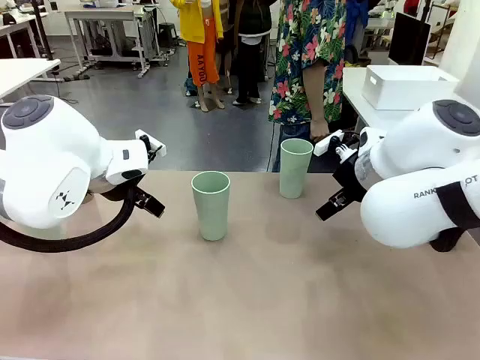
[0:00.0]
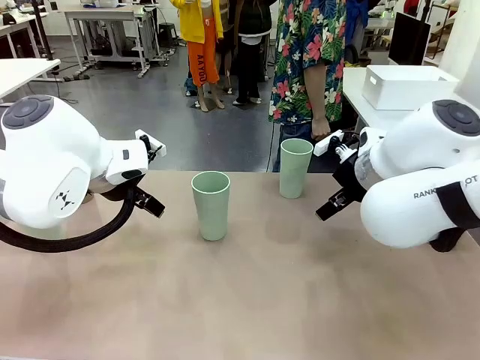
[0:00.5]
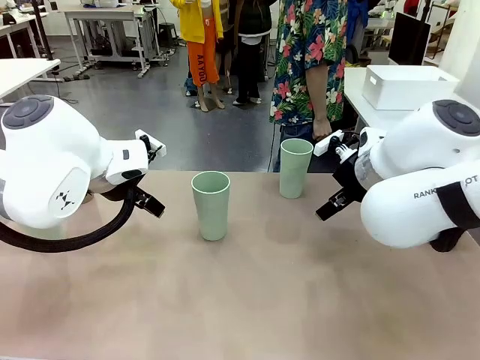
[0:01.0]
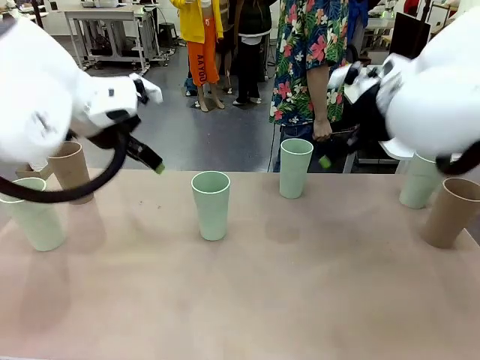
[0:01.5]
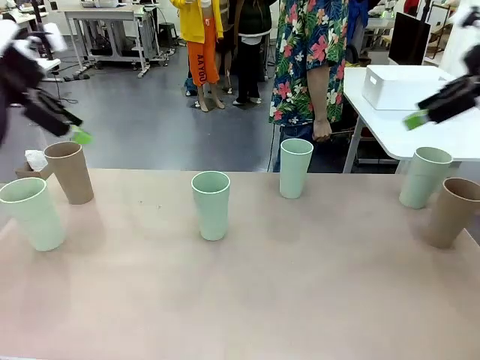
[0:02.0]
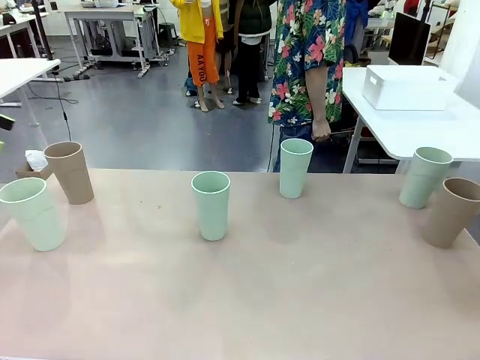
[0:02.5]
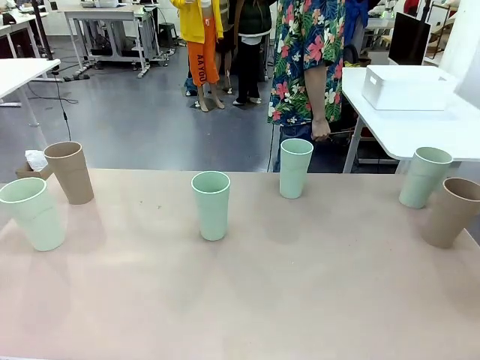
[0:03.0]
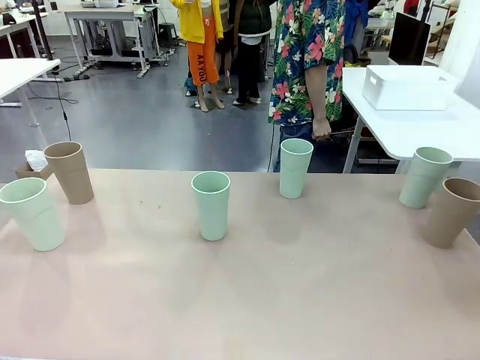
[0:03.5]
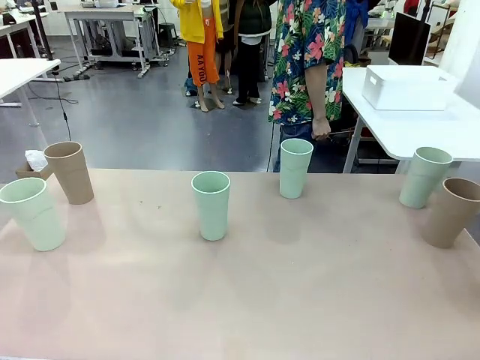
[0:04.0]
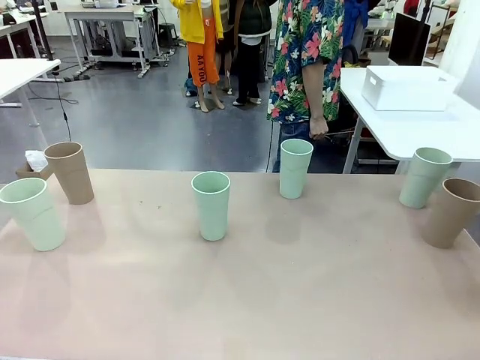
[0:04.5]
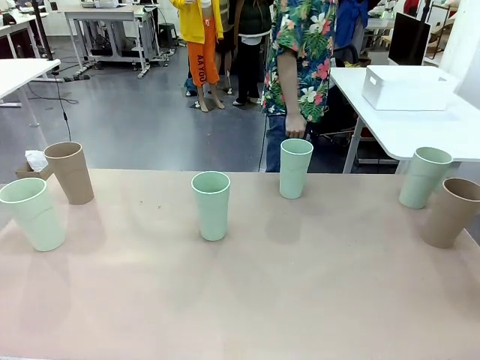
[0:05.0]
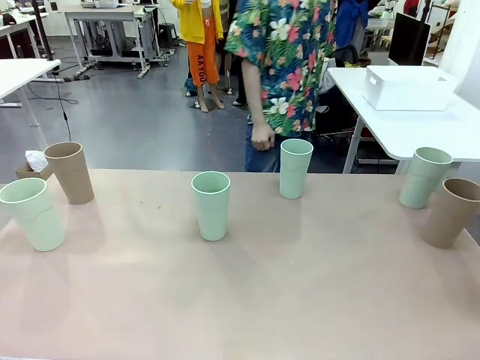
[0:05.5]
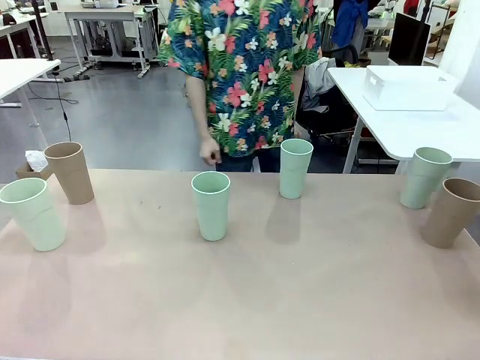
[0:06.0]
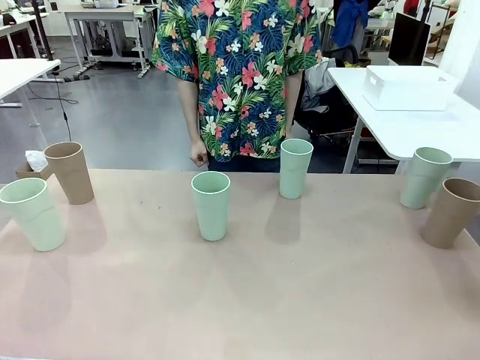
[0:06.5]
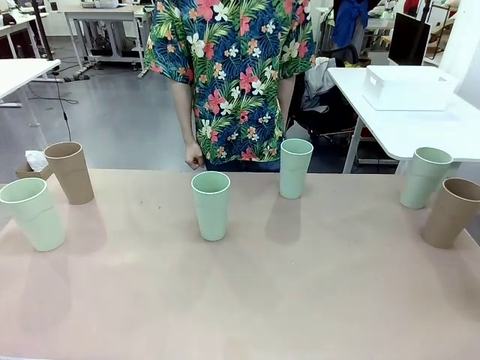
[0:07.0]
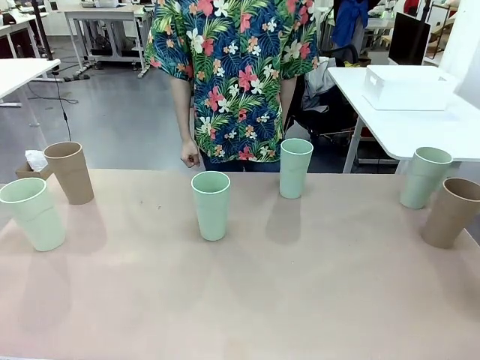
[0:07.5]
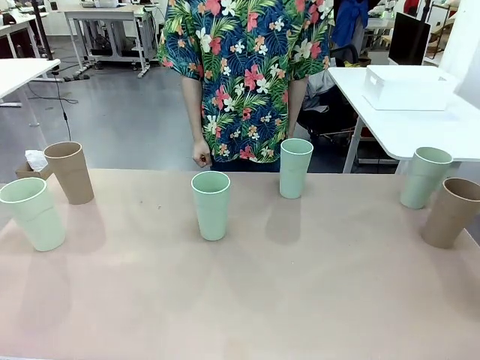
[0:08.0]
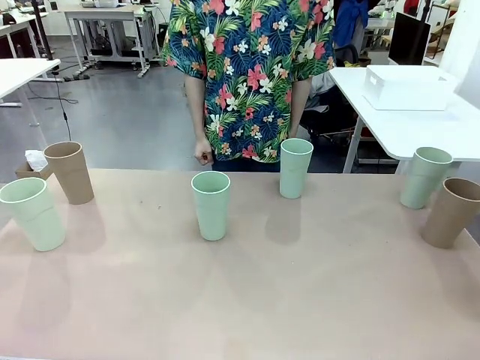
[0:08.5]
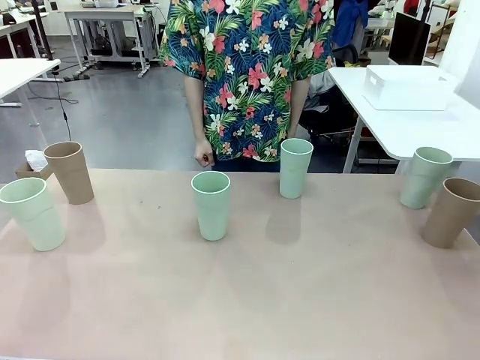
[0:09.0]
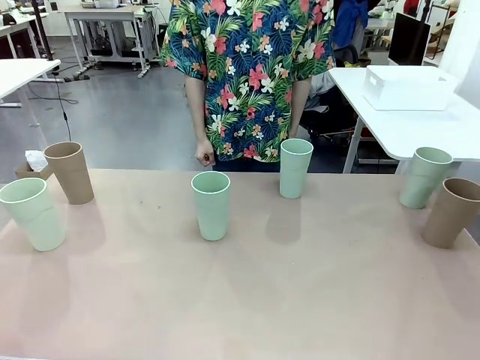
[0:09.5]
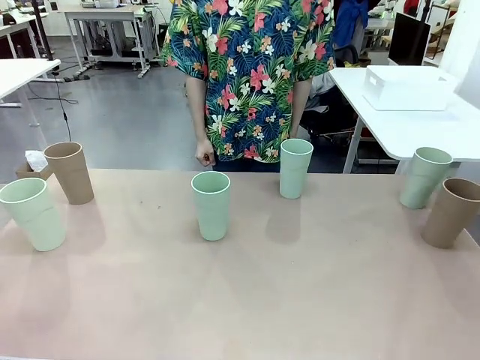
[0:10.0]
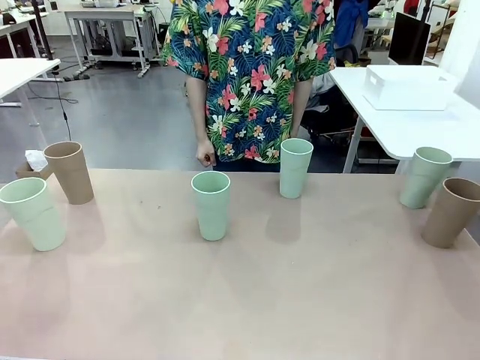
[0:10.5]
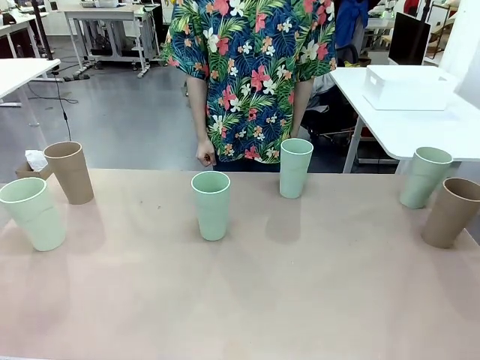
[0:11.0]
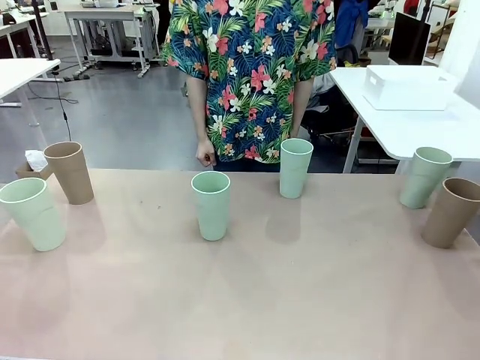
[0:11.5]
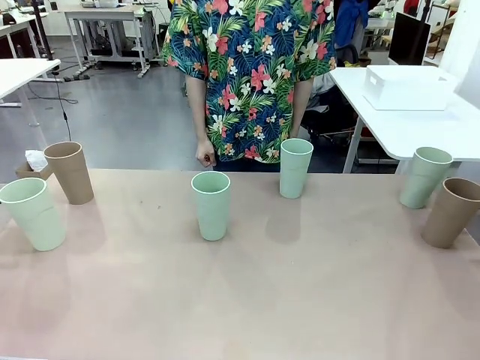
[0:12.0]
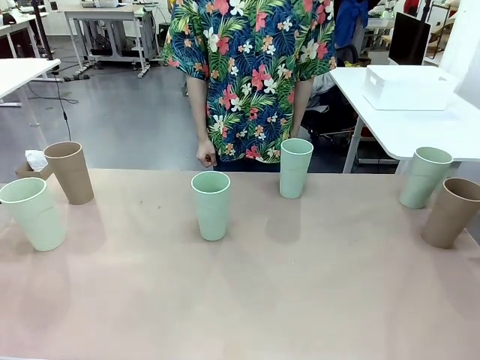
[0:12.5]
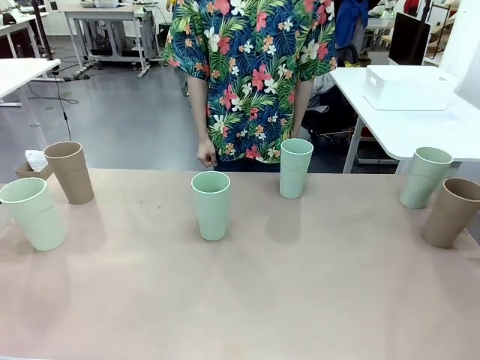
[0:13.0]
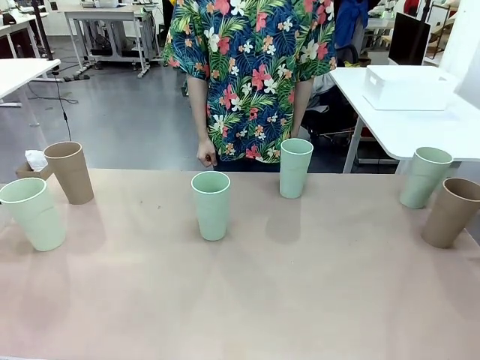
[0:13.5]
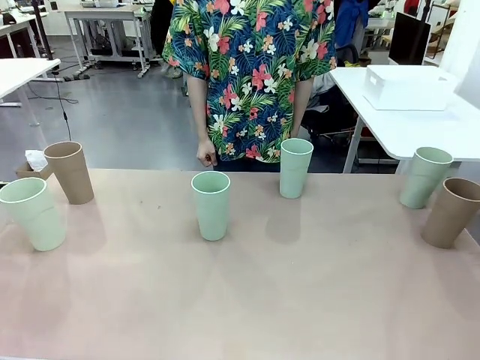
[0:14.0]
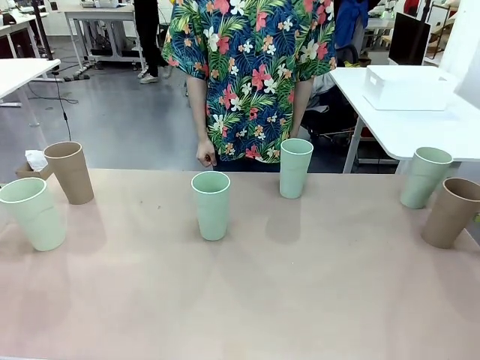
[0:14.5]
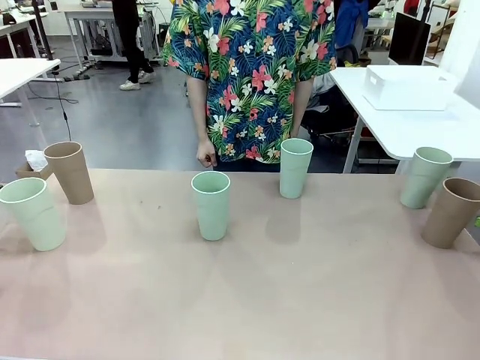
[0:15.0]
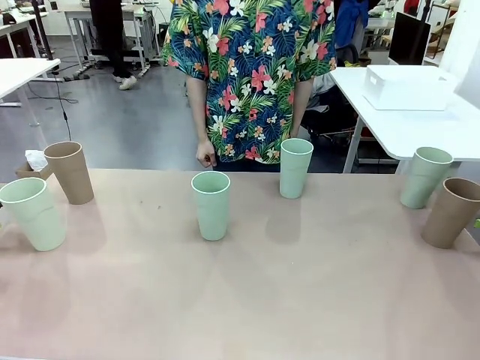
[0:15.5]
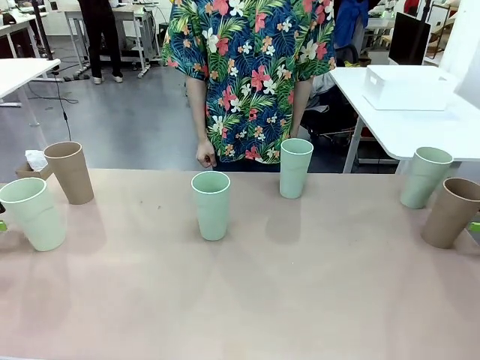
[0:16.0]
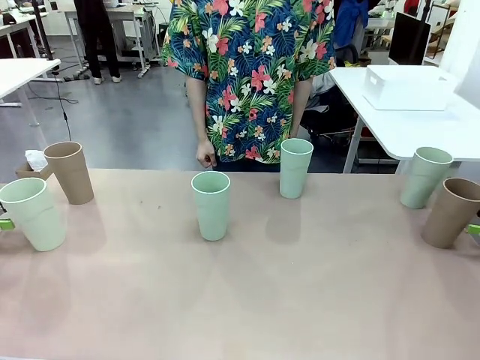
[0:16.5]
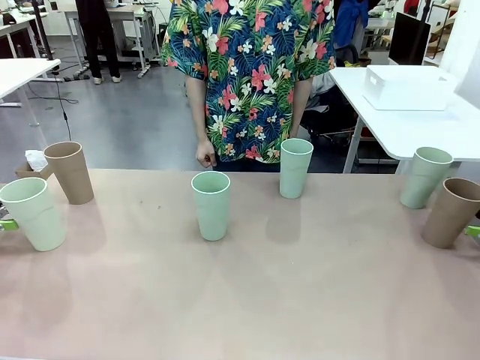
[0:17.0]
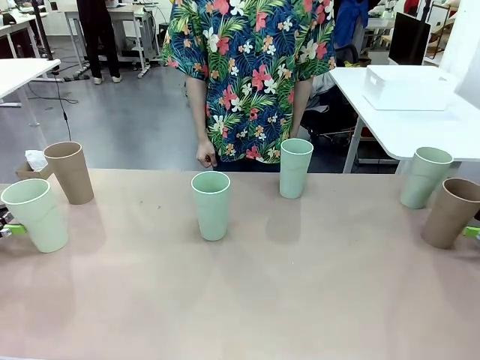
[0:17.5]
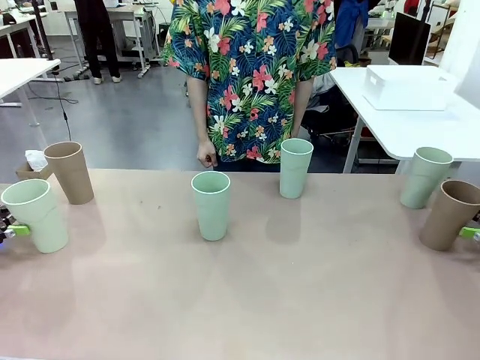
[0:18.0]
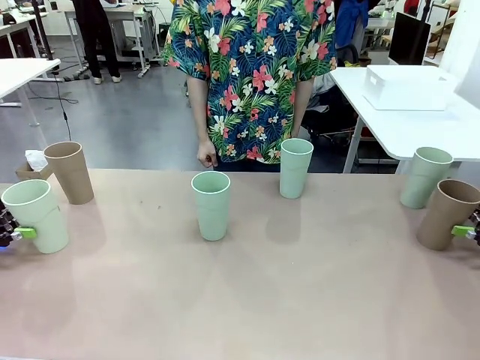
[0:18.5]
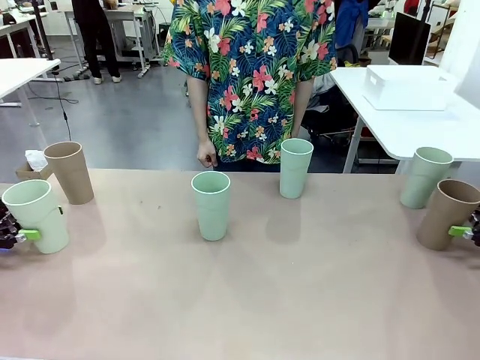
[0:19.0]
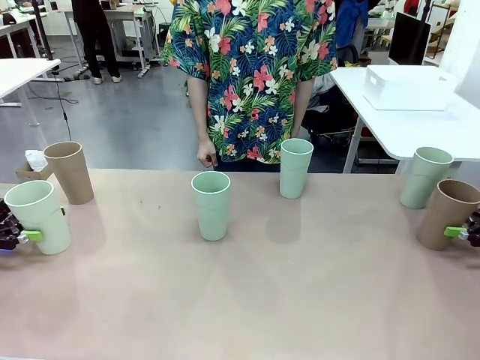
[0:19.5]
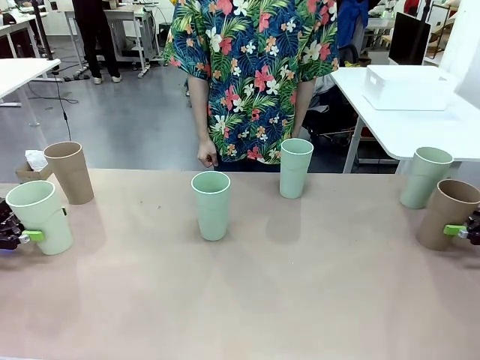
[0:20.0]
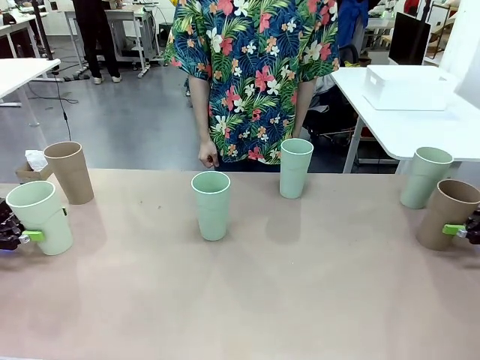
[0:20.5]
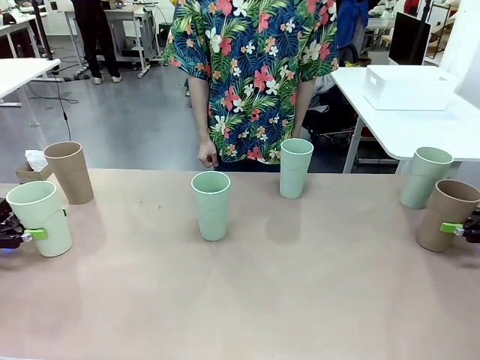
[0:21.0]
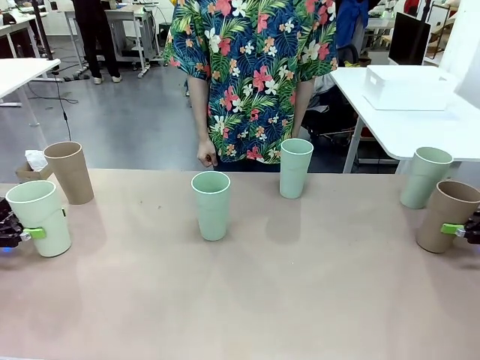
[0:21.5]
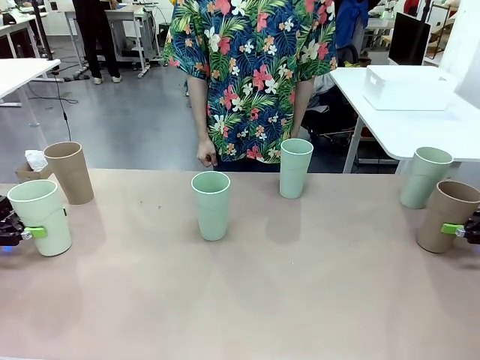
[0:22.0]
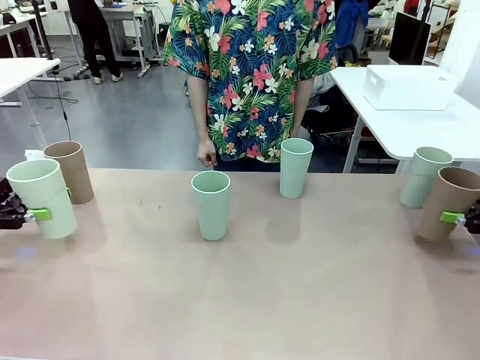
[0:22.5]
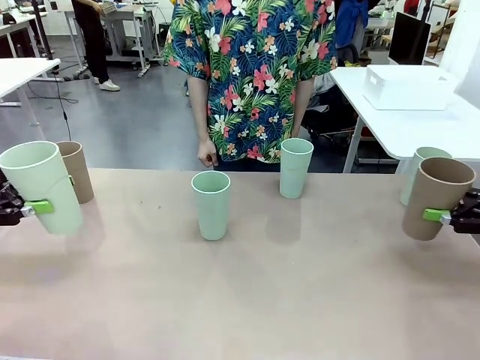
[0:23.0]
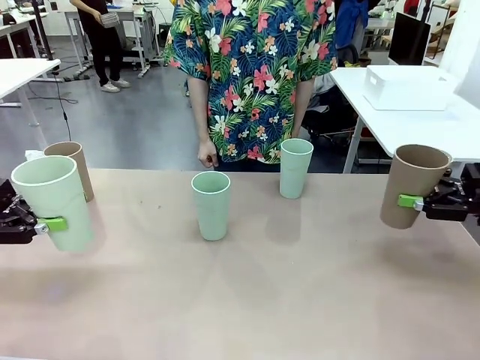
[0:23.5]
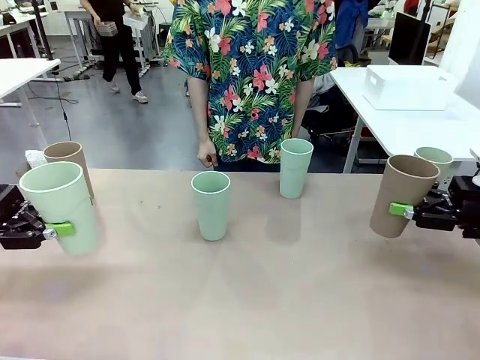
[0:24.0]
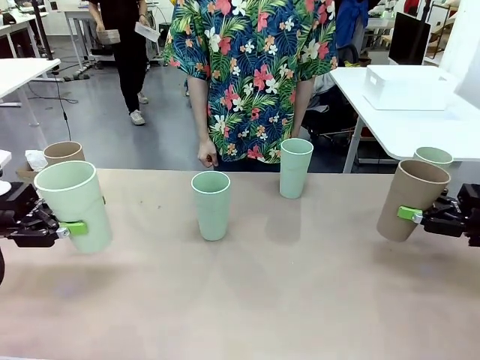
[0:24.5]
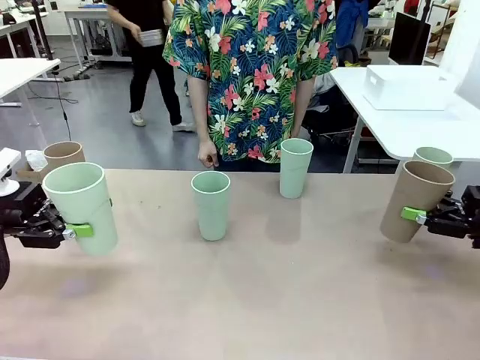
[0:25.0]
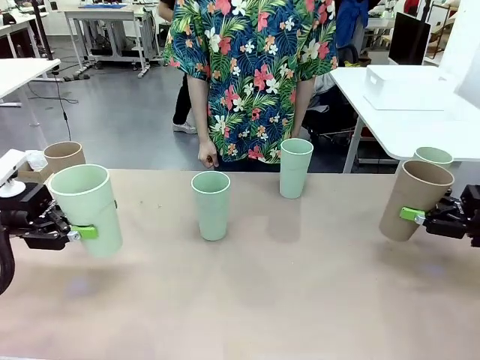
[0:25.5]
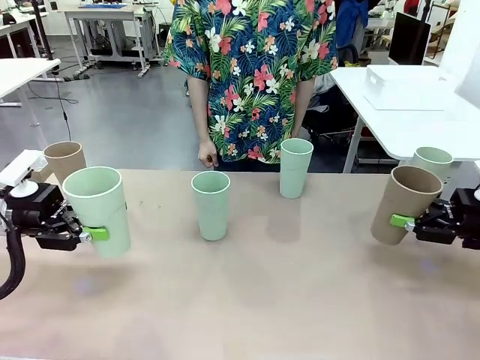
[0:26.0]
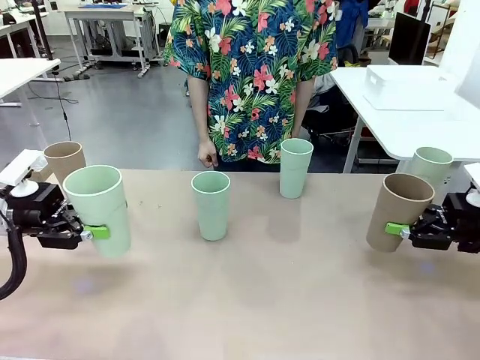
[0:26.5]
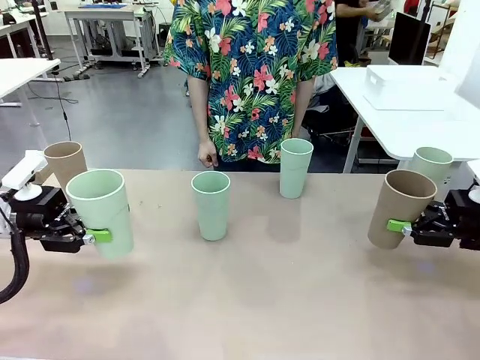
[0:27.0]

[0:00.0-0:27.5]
Task: Stack the cups and store them in the basket.
Robot: Pick up two Reusable plastic cups , one in each hand.
Person: Move from the Human Table to the front of the Robot Table. Stack two of the remaining cups on top of each cup held by the robot.
